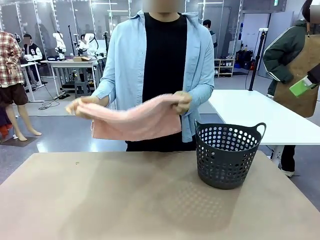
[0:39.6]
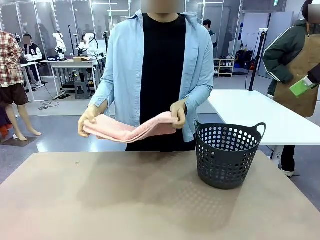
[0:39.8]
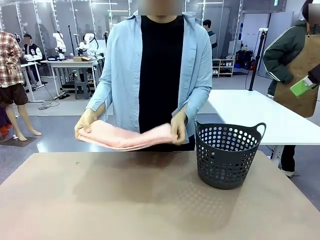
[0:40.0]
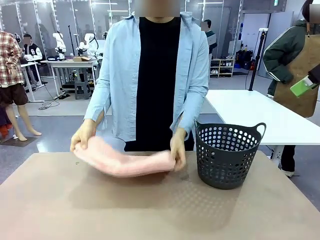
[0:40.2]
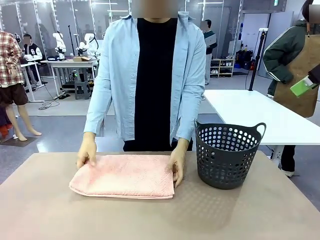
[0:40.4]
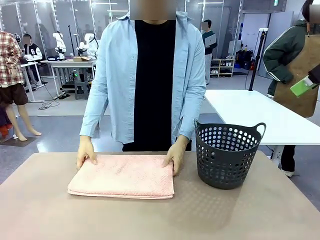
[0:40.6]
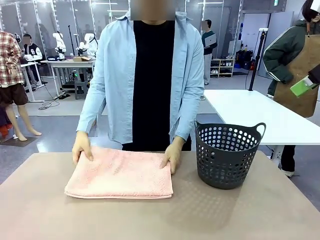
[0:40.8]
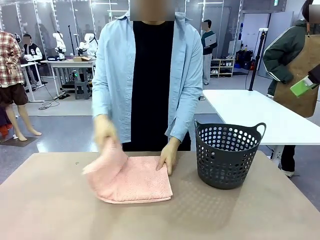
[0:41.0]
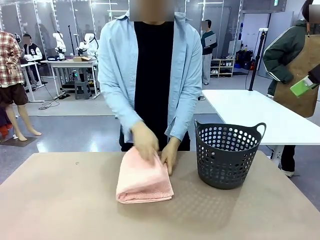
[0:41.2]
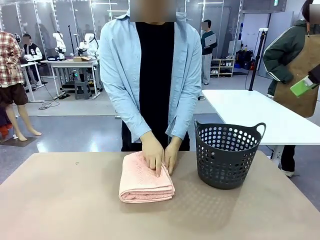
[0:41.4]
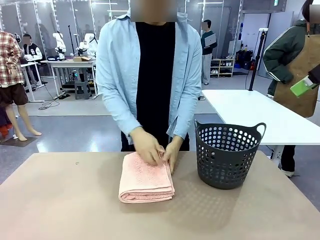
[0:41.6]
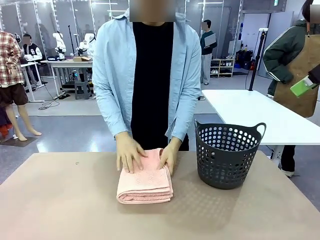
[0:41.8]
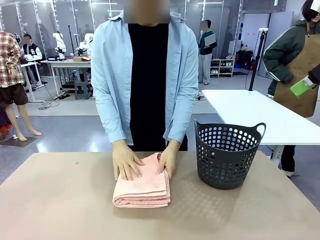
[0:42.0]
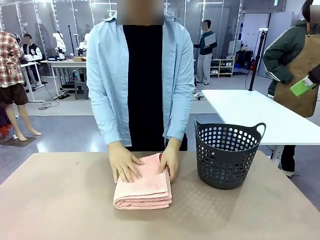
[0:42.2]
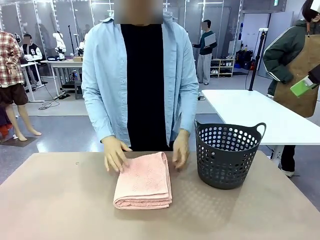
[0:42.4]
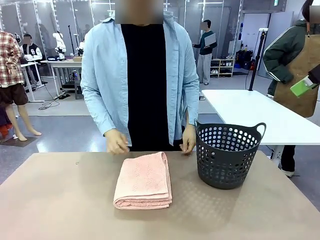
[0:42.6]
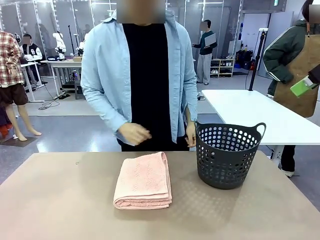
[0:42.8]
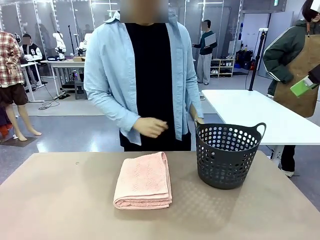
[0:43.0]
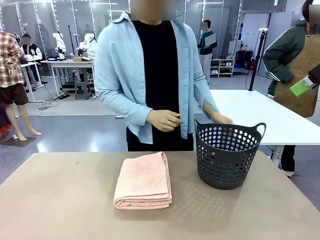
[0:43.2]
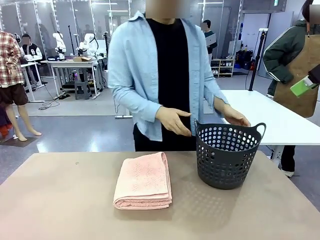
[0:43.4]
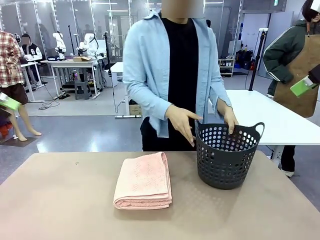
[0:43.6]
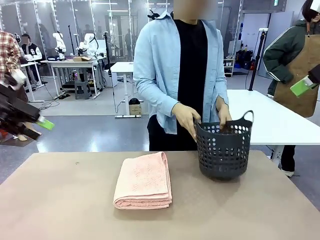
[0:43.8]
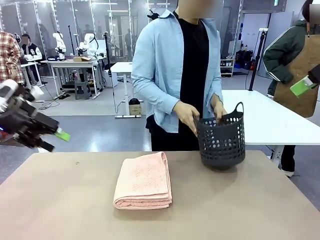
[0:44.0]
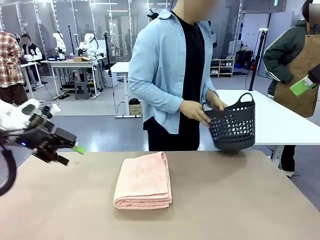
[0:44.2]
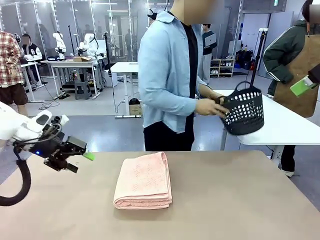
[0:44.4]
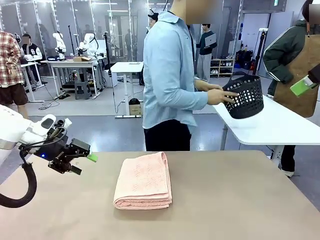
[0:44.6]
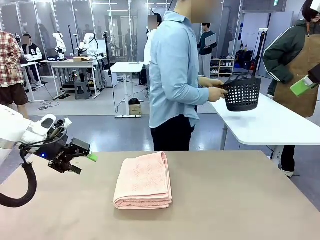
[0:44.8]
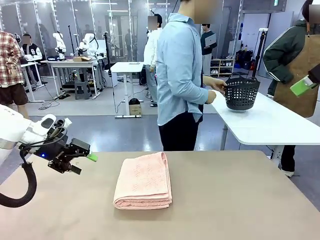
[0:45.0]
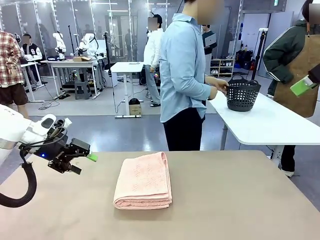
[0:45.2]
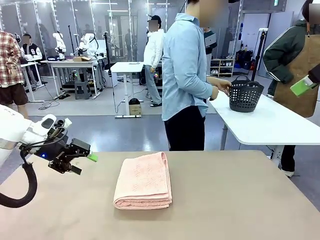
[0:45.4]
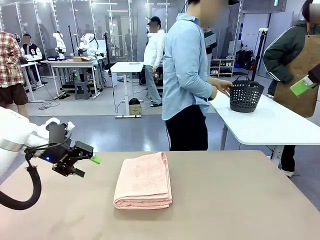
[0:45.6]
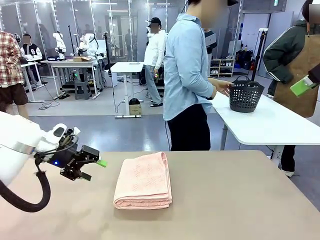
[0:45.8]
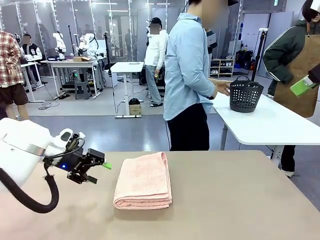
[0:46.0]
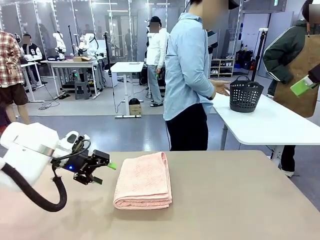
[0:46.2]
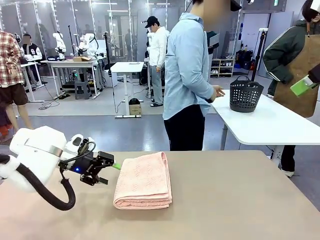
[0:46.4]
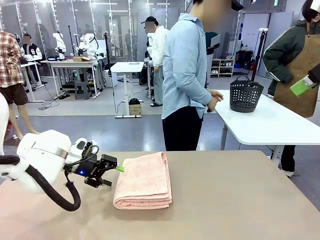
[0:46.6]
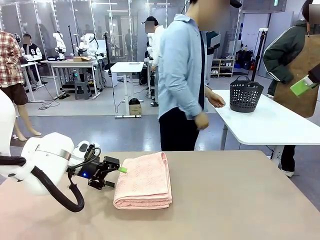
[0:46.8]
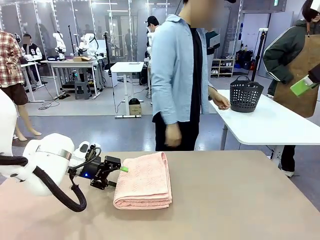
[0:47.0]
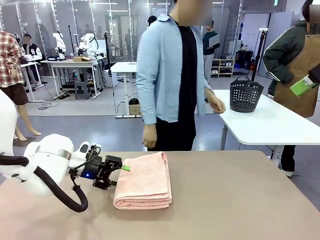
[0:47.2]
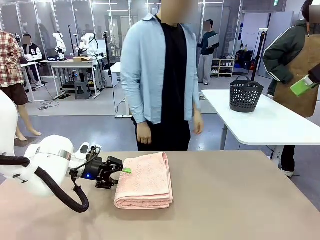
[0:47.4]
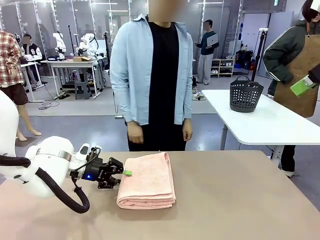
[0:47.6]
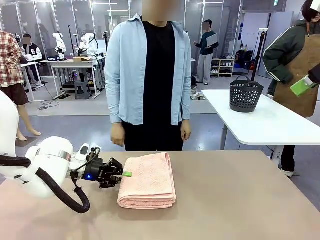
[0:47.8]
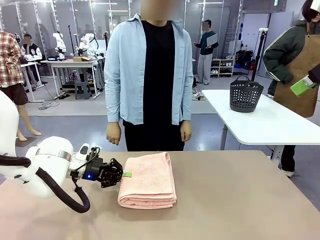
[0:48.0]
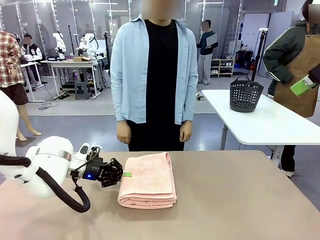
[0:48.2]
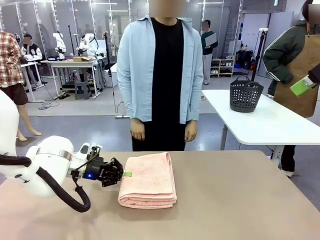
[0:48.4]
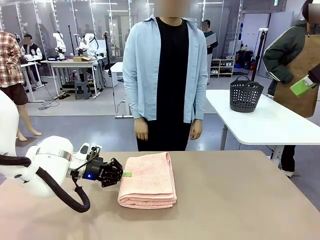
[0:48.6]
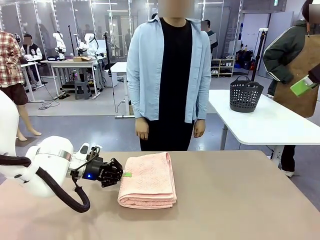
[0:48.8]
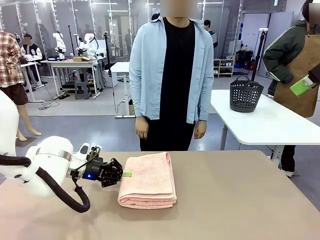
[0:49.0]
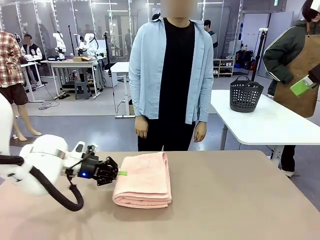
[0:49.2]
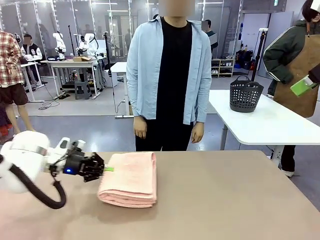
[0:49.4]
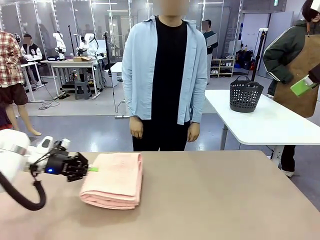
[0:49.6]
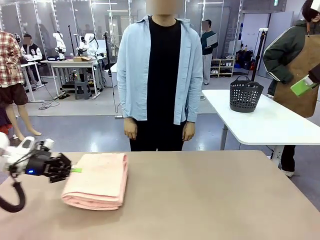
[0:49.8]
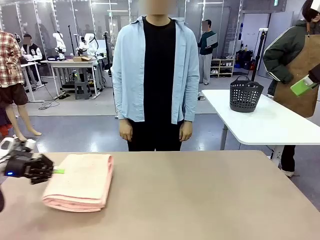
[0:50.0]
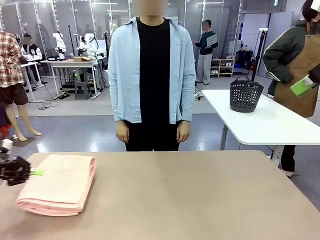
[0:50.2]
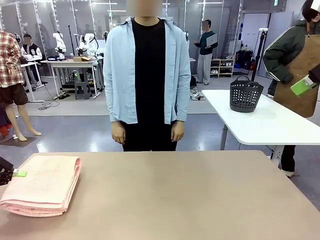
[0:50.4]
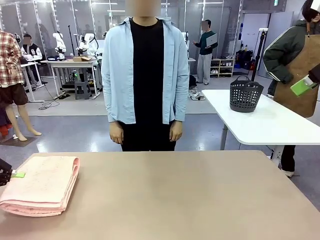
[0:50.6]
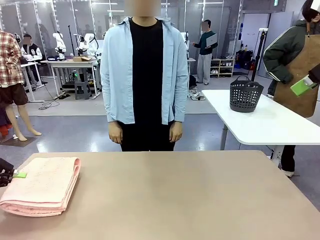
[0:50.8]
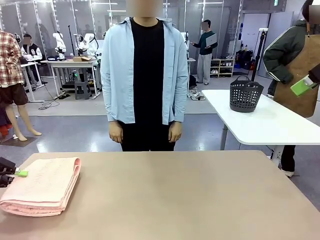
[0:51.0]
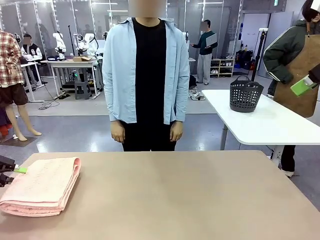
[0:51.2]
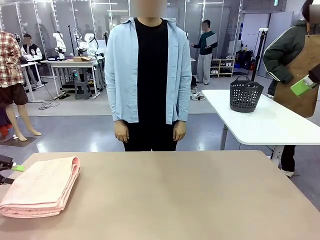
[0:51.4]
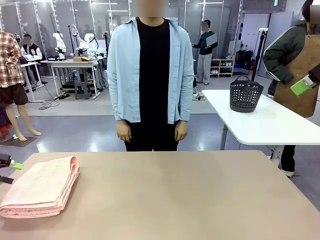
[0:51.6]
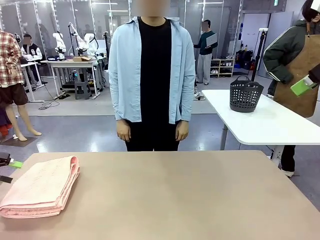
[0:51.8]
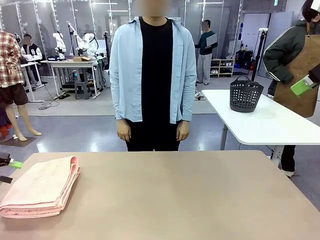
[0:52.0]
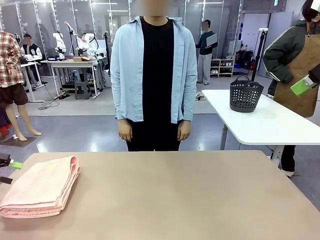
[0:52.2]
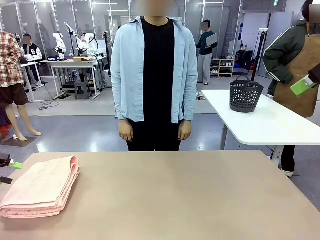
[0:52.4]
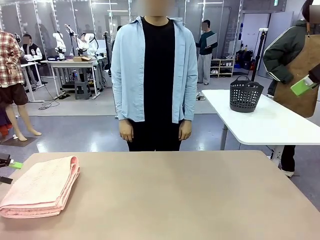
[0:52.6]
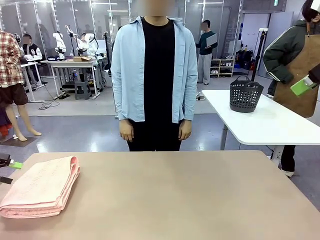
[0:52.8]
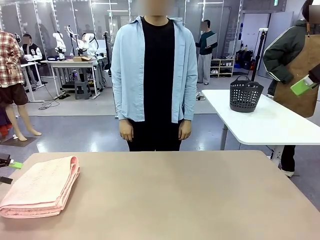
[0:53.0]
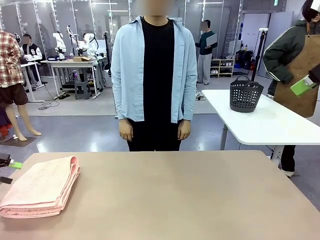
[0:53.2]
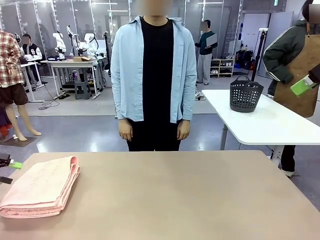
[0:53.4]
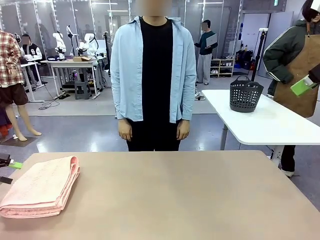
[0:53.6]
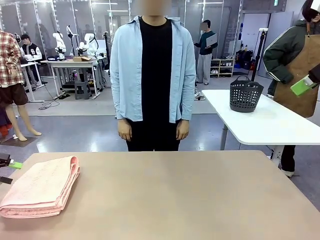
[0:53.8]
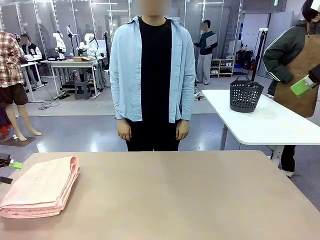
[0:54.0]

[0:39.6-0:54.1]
Task: Fold the towel.
Robot: Pick up the 100 cm Hotel Towel and place it on the left side of the table.
Person: Pick up the laundry basket and place it at the center of the human table.
